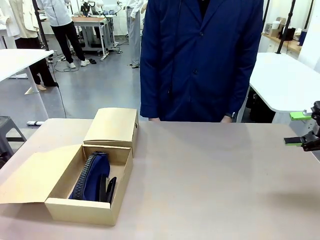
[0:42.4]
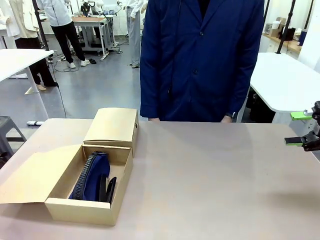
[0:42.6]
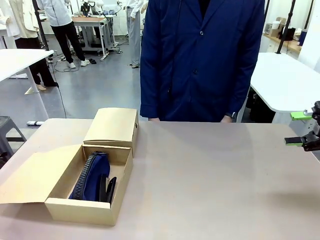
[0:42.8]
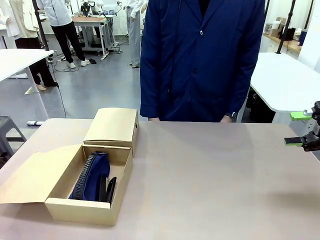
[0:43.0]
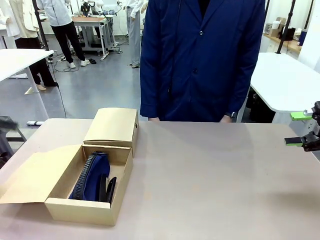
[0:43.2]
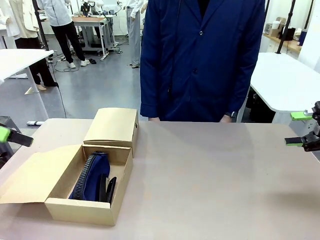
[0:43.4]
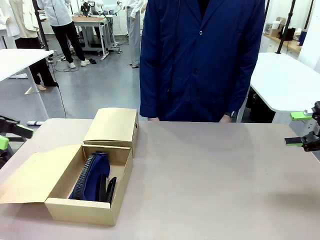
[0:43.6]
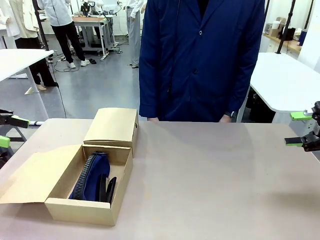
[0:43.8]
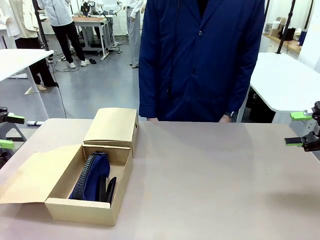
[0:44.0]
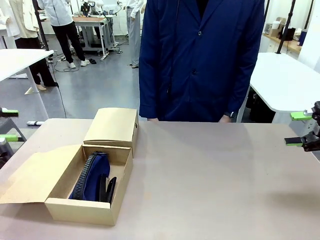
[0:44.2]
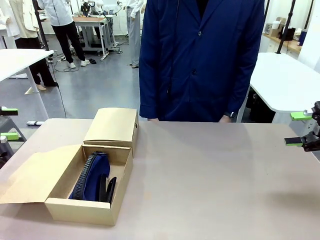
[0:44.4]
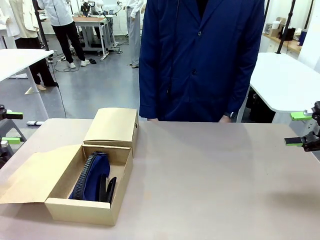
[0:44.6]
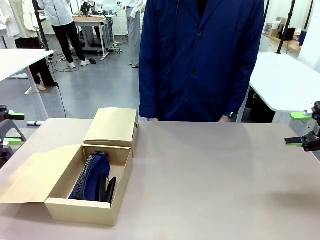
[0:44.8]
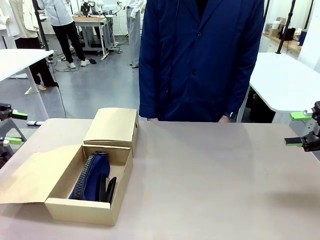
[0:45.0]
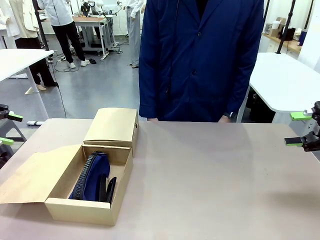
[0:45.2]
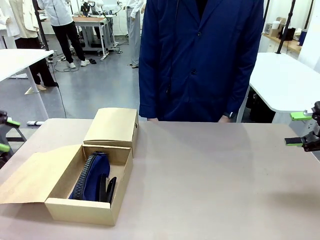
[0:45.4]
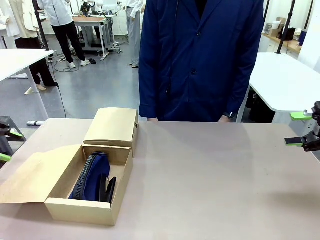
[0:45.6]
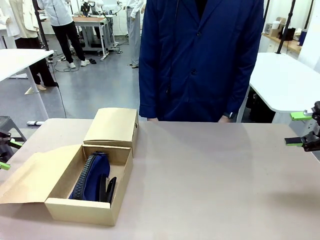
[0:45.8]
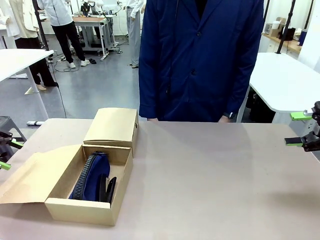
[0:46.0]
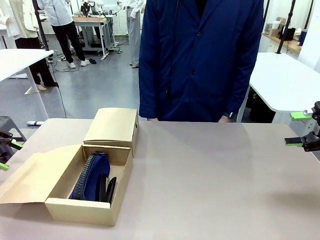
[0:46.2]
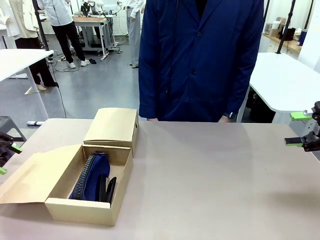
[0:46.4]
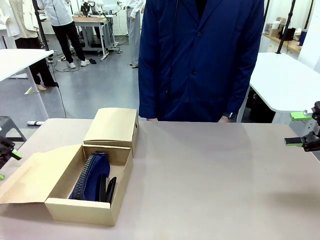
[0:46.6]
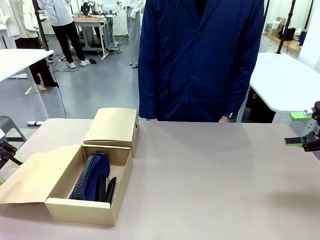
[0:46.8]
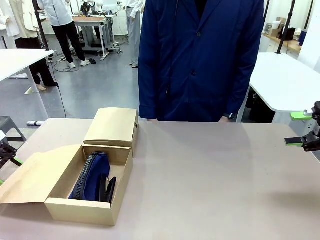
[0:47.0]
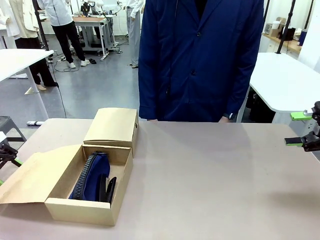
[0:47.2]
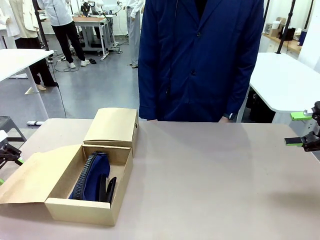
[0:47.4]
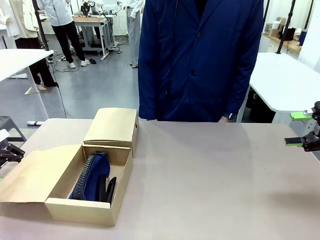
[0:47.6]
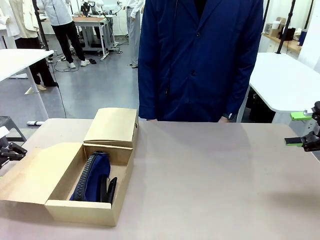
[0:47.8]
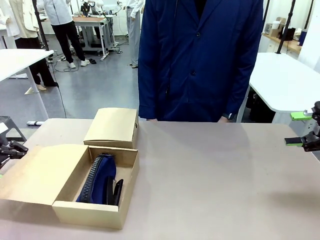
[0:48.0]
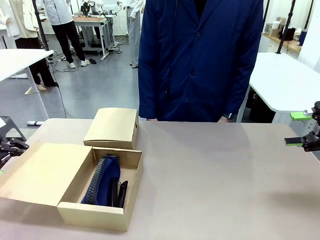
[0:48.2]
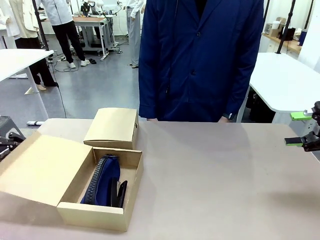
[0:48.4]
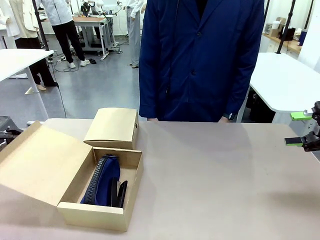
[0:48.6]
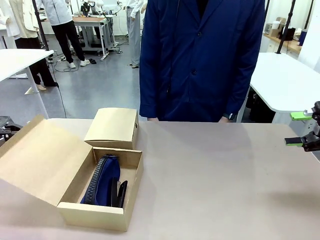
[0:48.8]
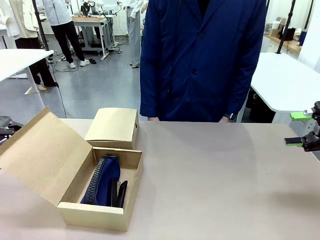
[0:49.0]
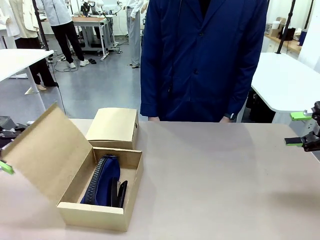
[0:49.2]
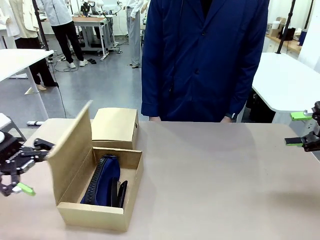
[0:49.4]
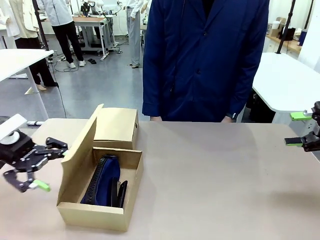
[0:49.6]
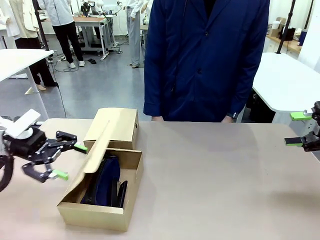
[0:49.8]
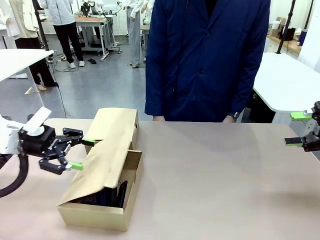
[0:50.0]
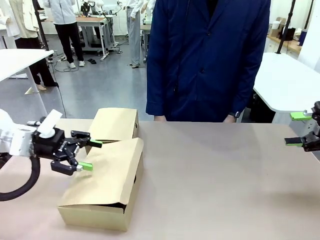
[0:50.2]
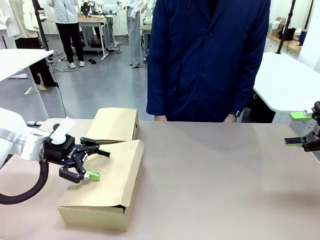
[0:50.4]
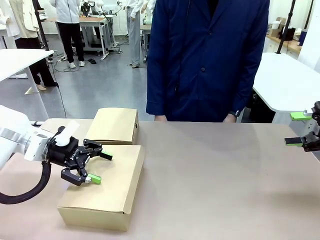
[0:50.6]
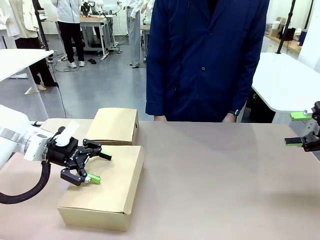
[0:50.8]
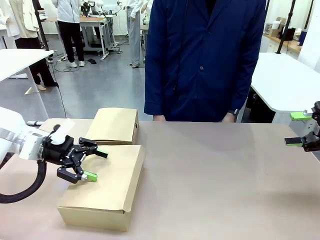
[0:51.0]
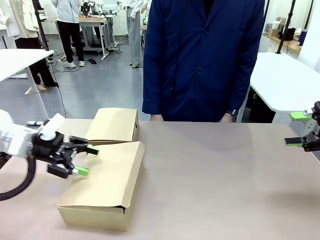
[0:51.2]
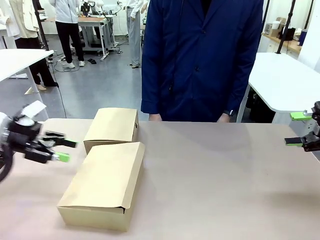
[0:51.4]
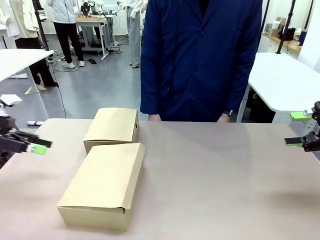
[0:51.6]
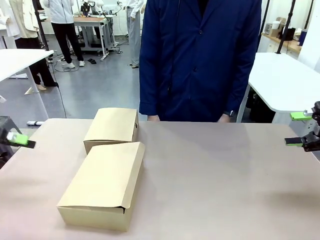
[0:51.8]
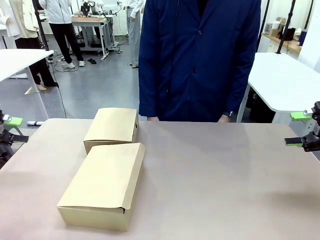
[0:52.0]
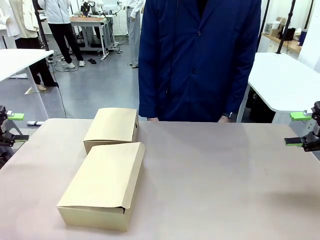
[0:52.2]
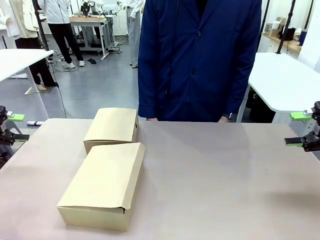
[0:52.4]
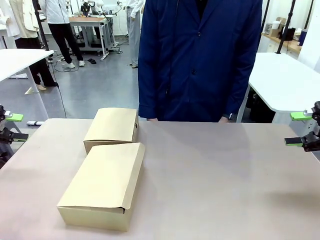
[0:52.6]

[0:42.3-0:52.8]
Task: Place items inside the box.
Robot: Close the lid of the Mailer Box closest to the robot.
Person: Close the lid of the box facing the person.

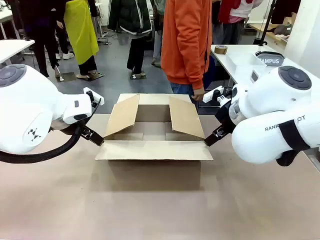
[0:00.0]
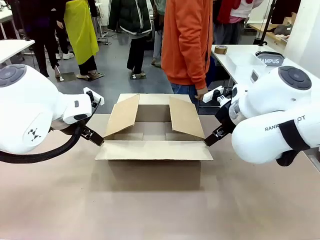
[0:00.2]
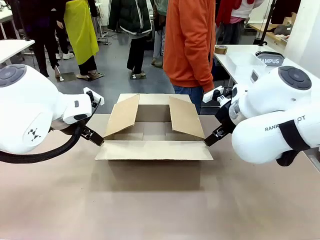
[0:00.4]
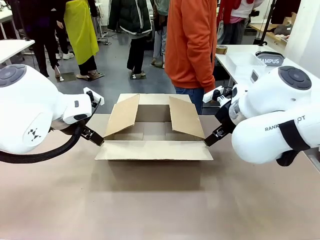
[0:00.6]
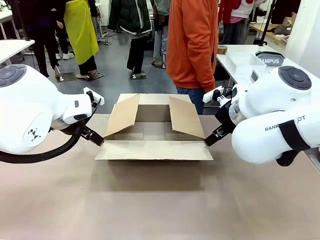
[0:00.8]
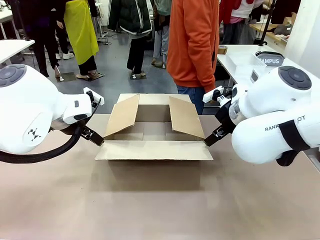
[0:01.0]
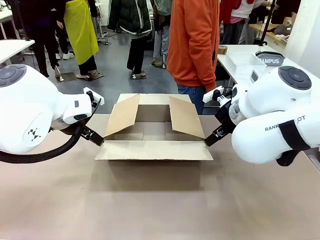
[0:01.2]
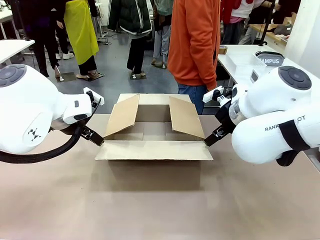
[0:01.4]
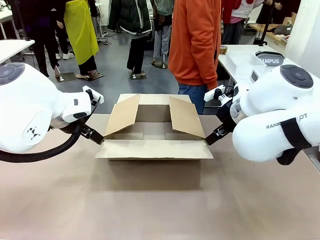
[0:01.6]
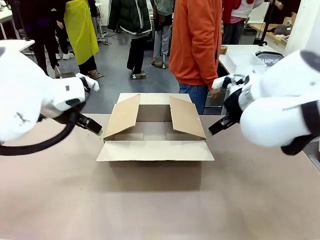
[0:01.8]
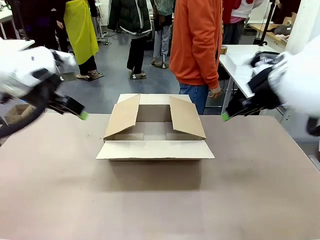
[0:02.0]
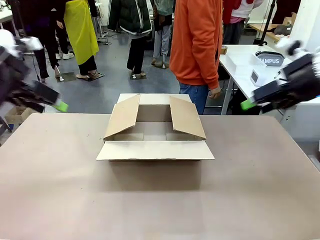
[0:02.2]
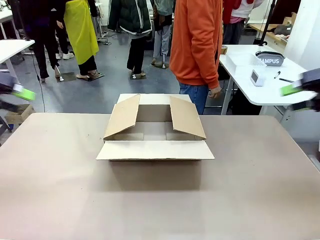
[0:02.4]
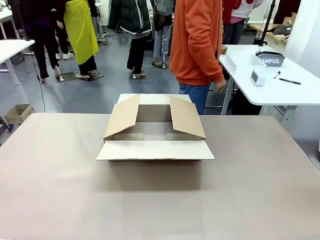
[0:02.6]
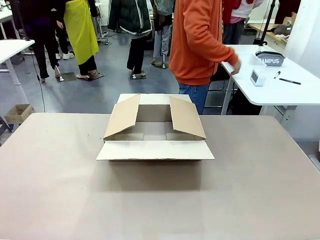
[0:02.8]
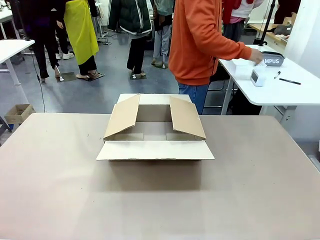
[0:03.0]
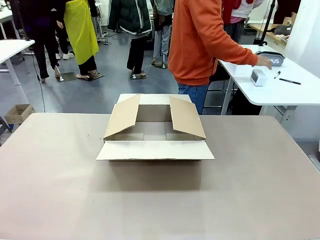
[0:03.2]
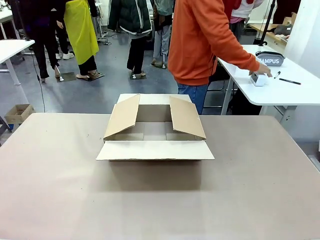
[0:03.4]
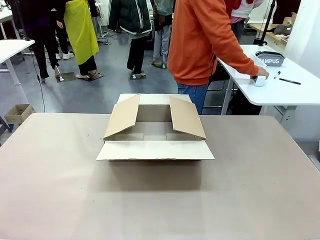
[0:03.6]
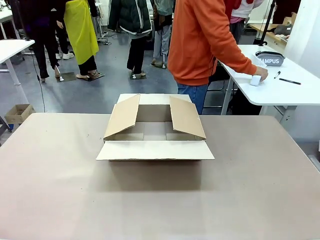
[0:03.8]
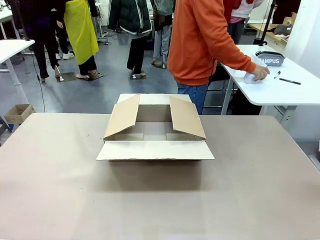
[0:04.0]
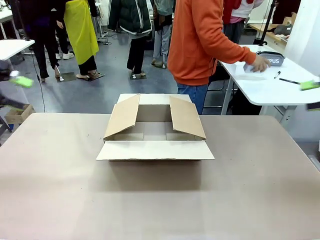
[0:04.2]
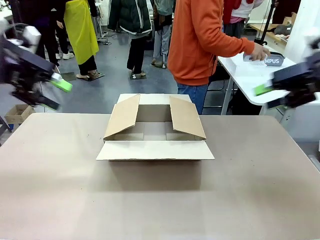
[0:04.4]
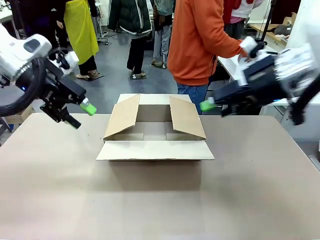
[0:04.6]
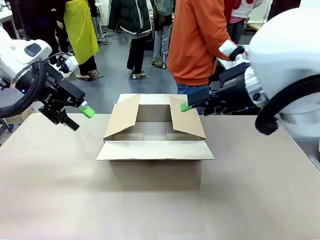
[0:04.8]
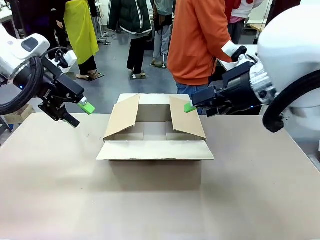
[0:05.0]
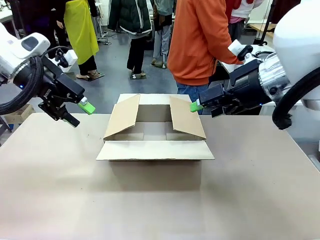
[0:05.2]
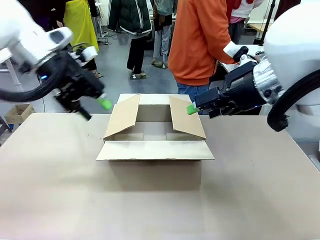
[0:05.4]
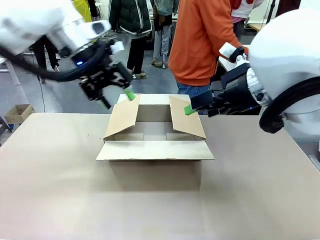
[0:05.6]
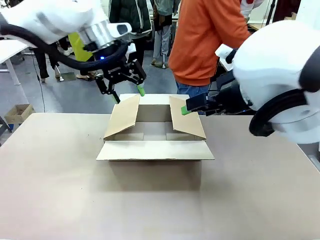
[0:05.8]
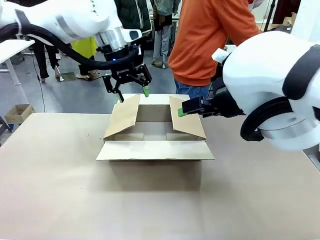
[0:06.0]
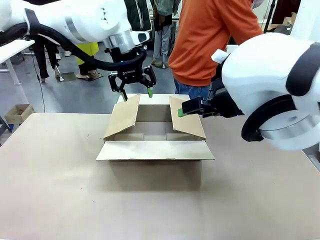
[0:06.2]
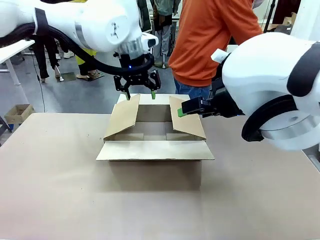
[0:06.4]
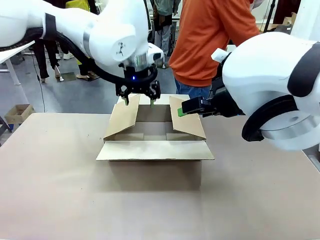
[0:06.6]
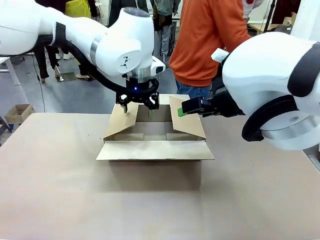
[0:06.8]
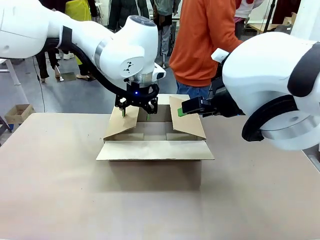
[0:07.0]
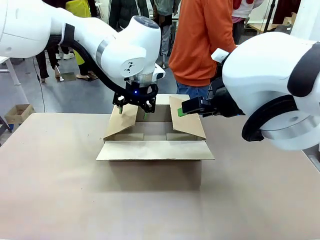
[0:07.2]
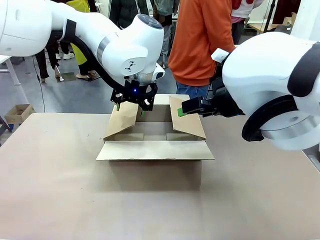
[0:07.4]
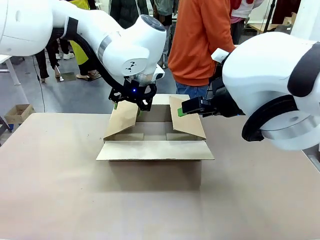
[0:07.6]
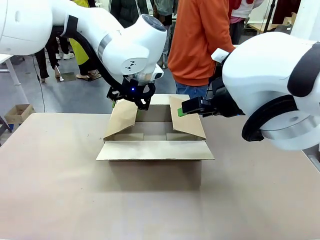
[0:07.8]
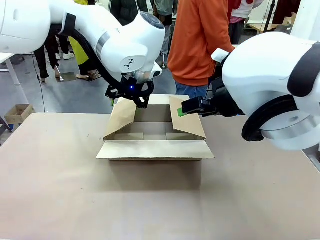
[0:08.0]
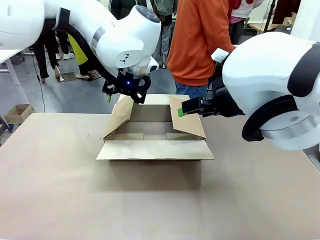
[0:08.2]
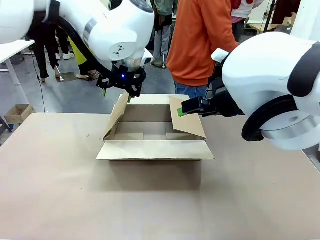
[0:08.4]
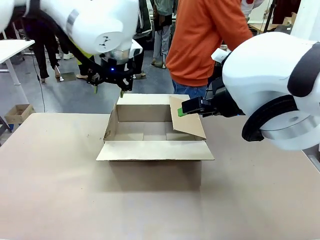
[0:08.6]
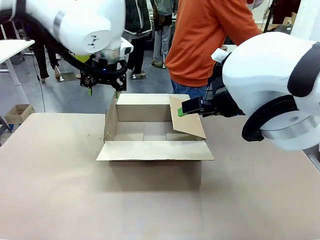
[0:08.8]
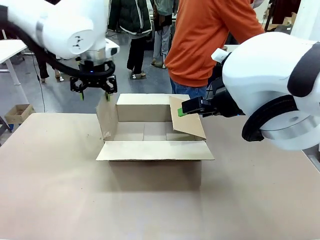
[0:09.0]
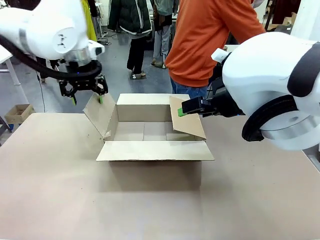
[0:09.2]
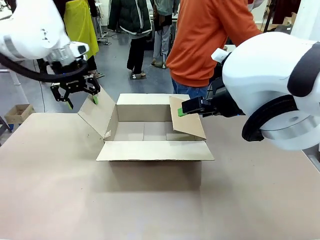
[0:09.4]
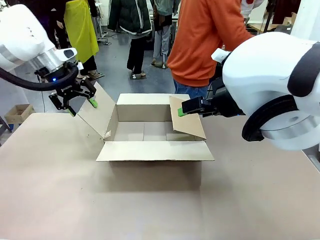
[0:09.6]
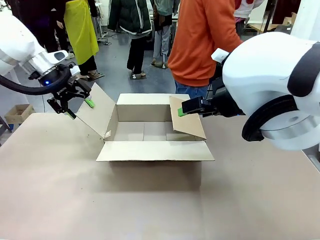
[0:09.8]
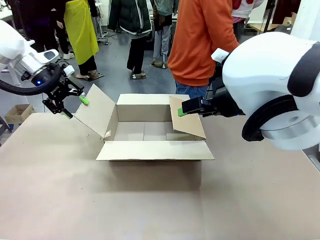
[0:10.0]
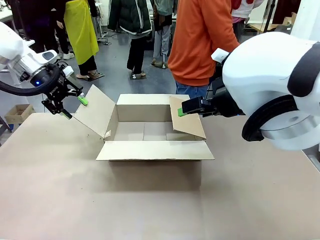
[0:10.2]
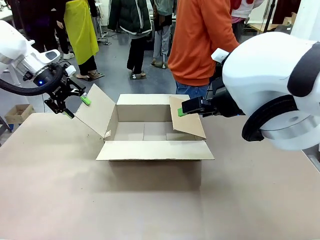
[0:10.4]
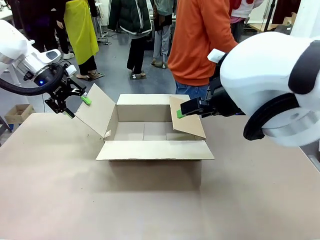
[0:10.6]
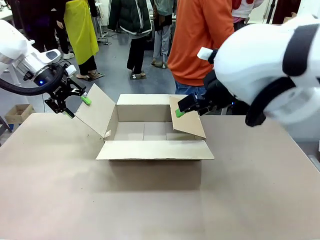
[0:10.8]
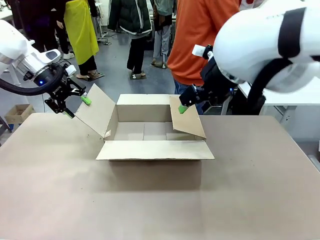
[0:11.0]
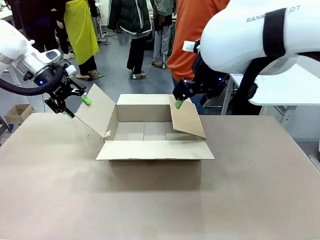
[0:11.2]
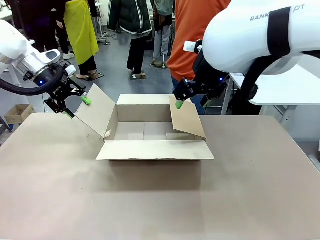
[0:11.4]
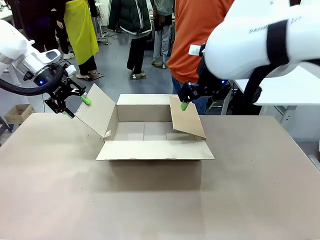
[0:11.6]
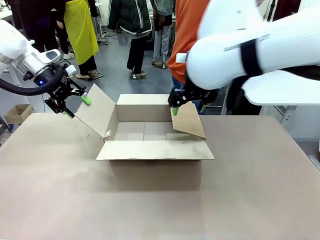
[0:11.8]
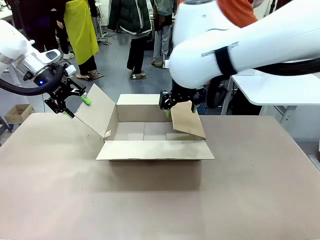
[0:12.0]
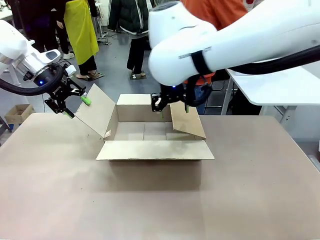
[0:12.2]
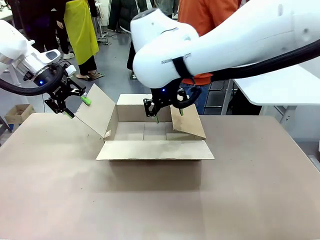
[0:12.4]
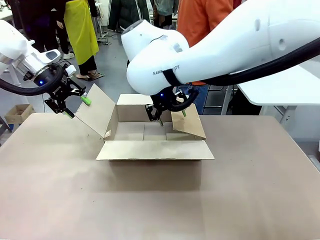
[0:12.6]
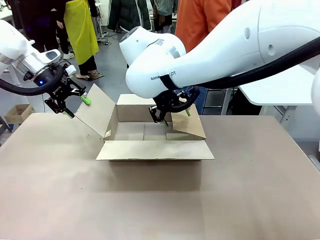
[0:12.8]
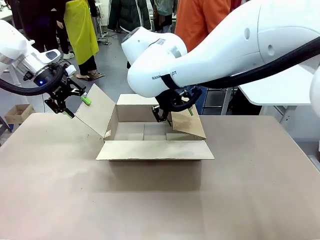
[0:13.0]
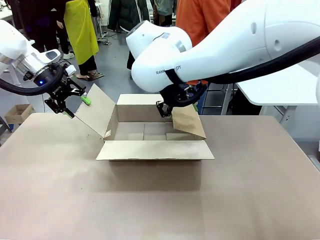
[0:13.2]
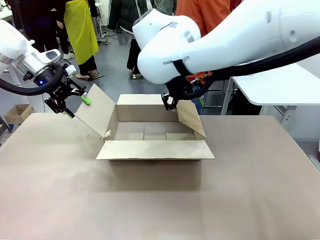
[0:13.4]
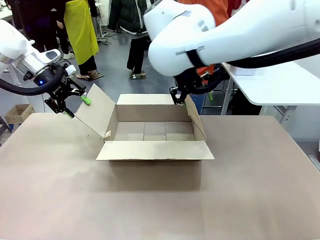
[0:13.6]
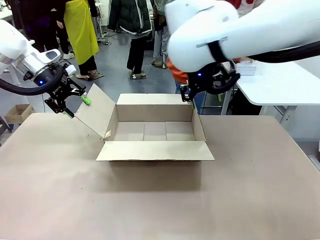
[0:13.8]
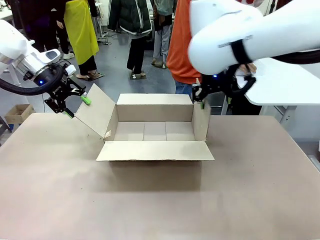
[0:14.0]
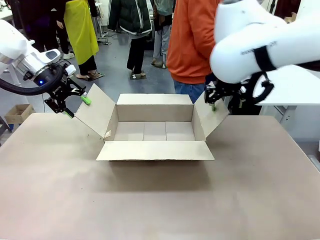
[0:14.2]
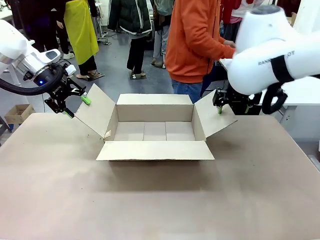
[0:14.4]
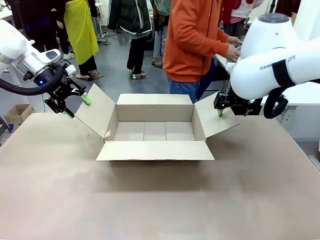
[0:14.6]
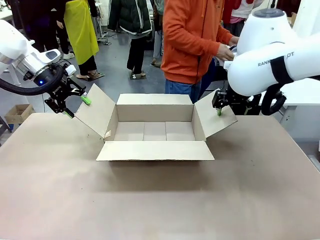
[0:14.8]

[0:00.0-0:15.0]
Task: Pack the gift set into the box.
Robot: Place both hands on the side flaps of the Package Box and spread them outward.
Person: The human places all items except the paper tape into the organizing basket.
